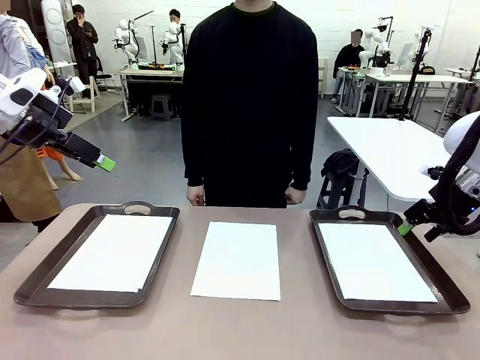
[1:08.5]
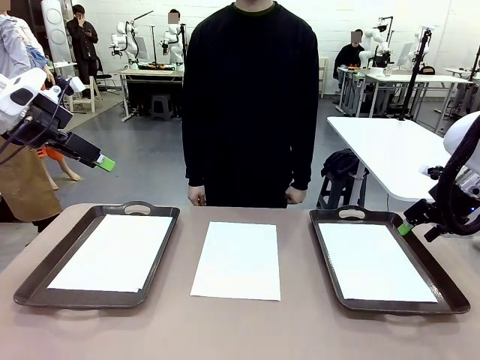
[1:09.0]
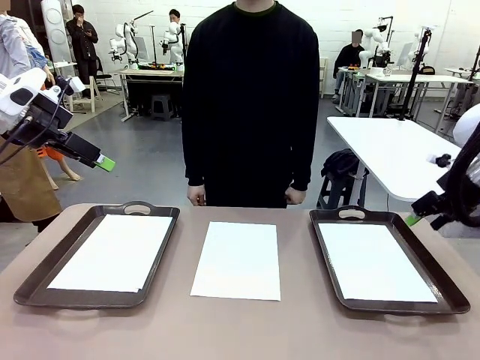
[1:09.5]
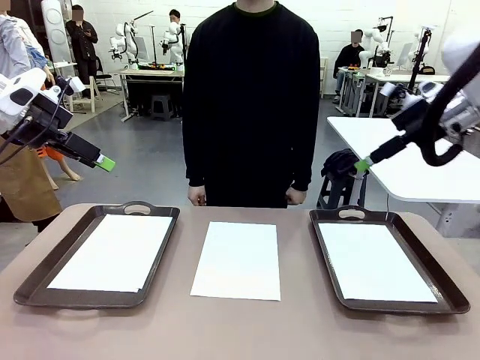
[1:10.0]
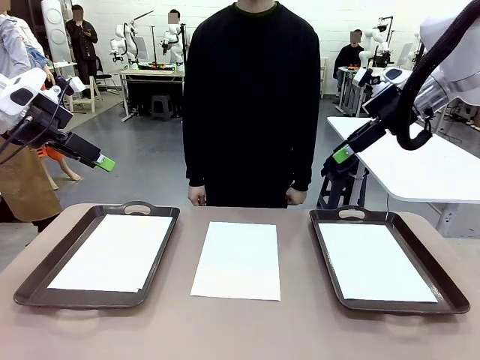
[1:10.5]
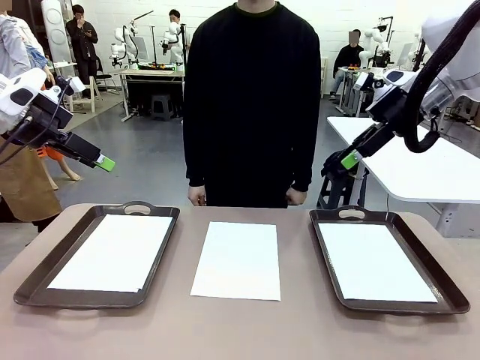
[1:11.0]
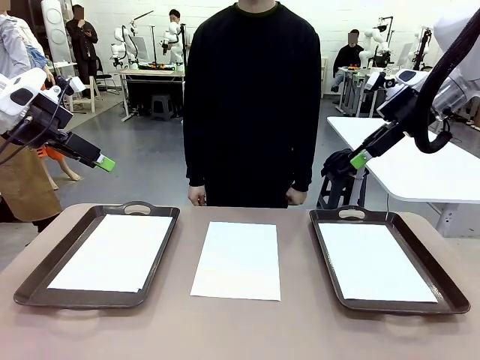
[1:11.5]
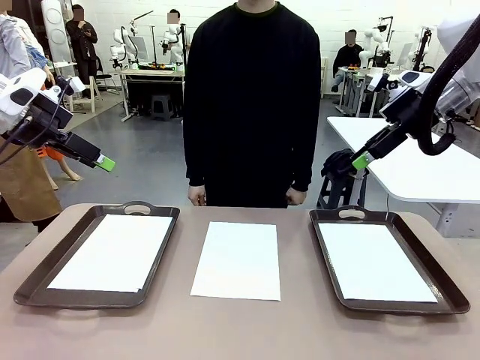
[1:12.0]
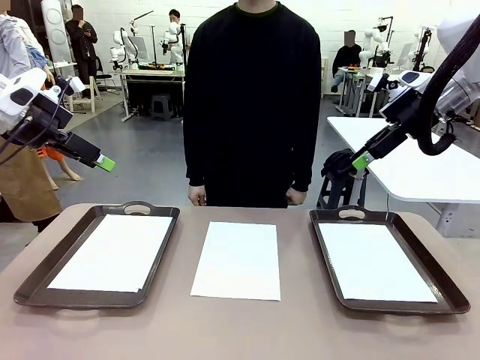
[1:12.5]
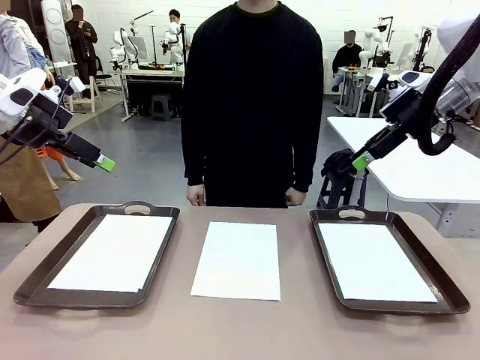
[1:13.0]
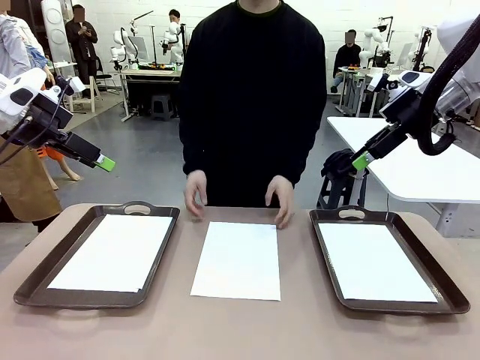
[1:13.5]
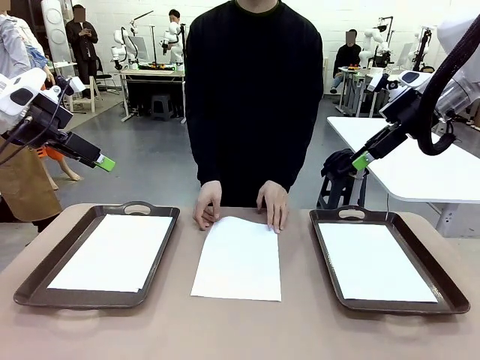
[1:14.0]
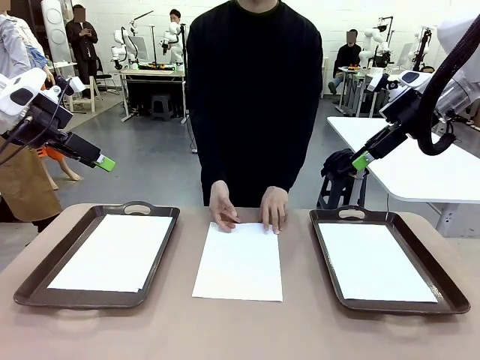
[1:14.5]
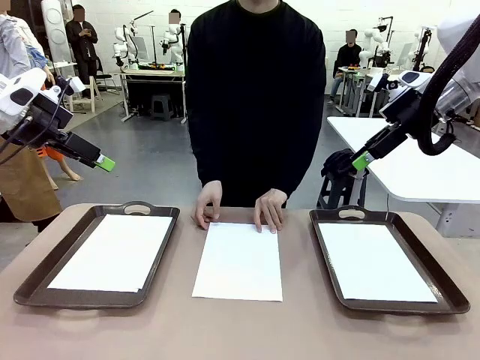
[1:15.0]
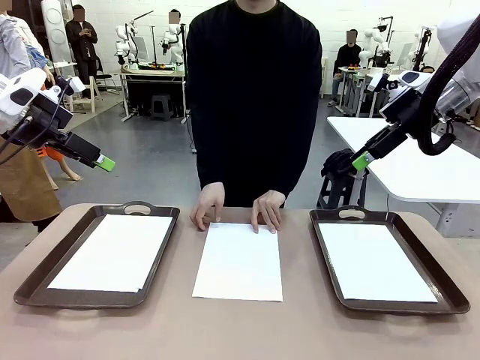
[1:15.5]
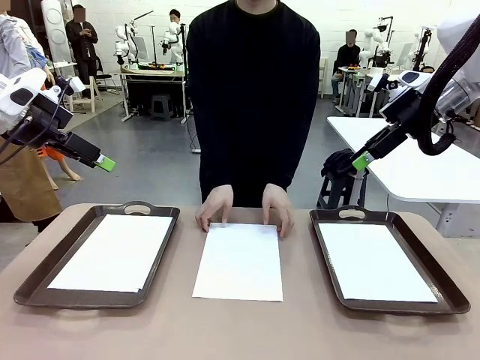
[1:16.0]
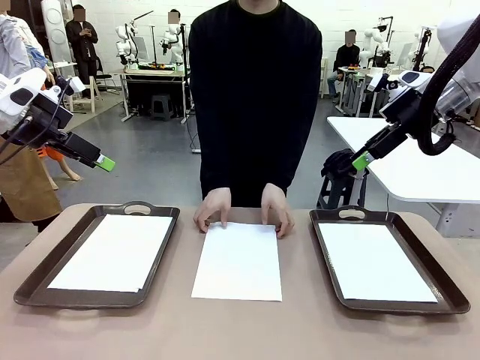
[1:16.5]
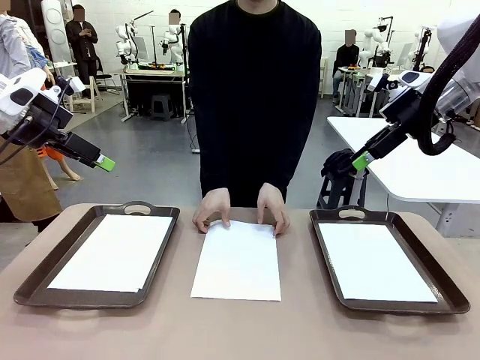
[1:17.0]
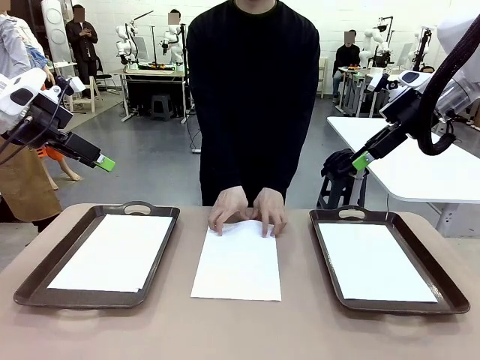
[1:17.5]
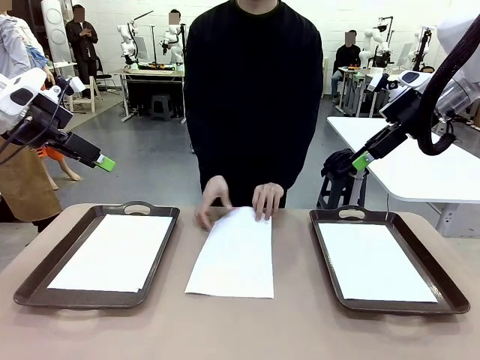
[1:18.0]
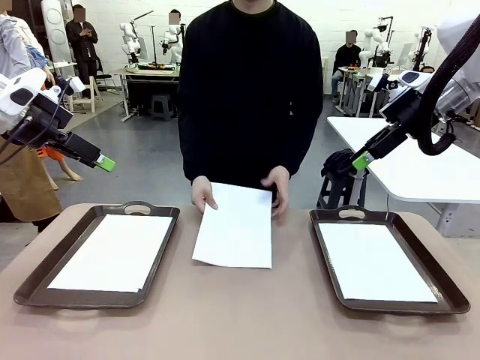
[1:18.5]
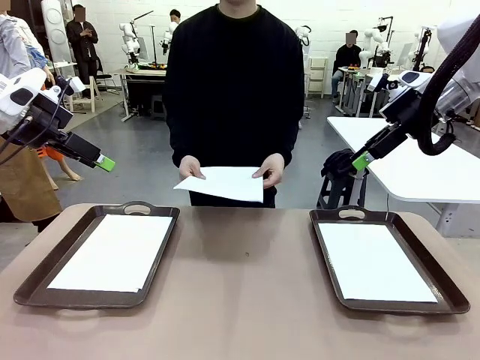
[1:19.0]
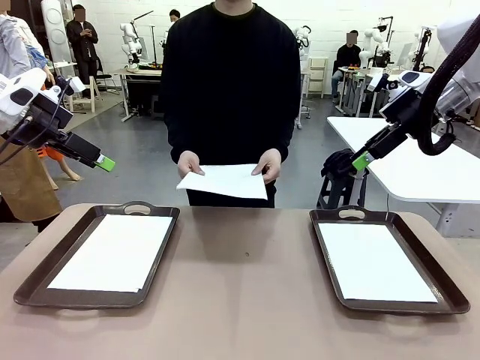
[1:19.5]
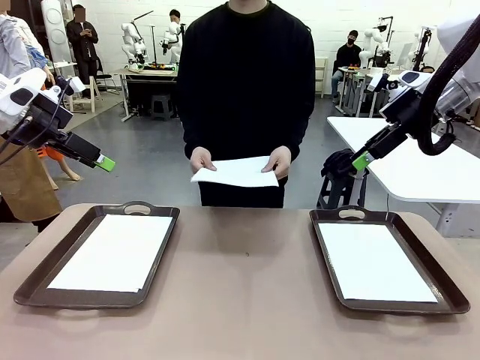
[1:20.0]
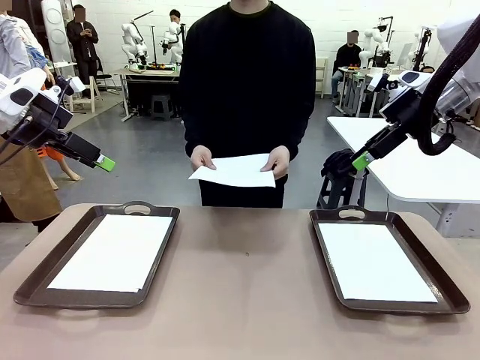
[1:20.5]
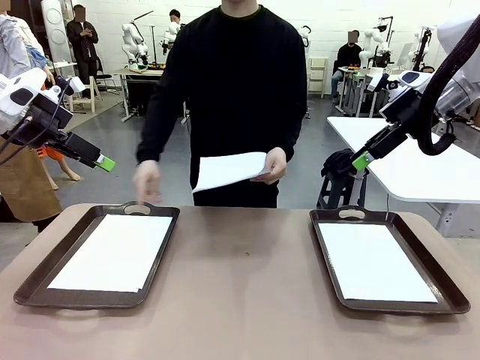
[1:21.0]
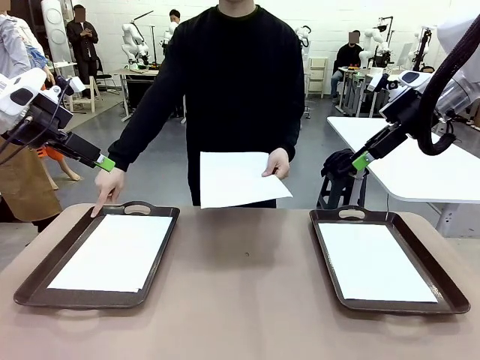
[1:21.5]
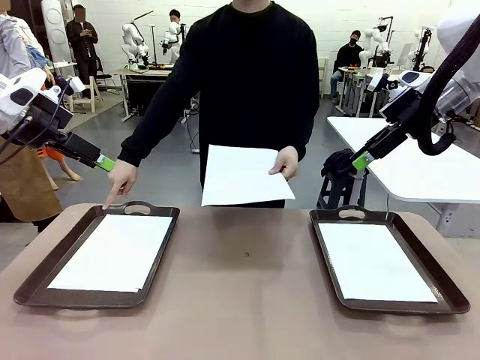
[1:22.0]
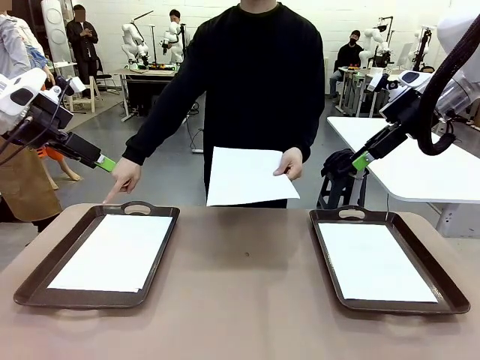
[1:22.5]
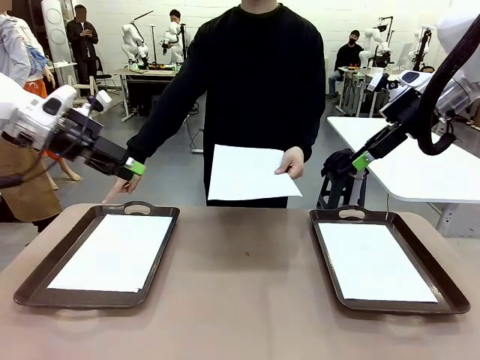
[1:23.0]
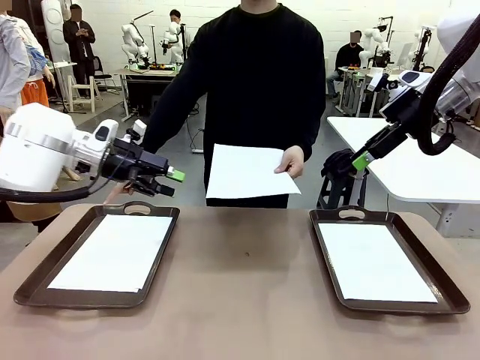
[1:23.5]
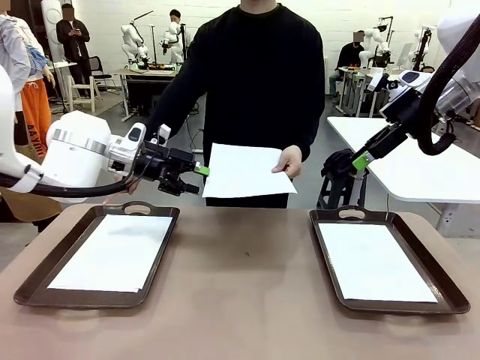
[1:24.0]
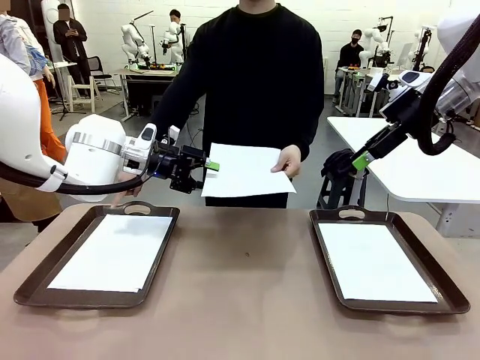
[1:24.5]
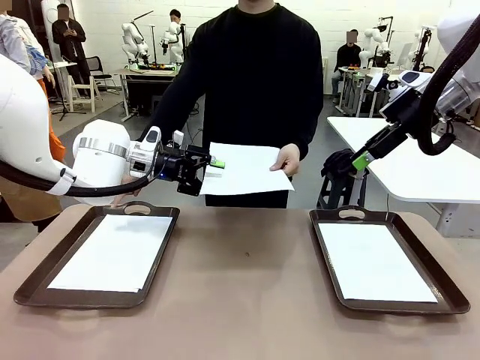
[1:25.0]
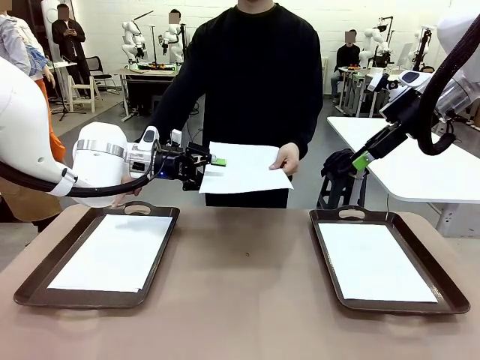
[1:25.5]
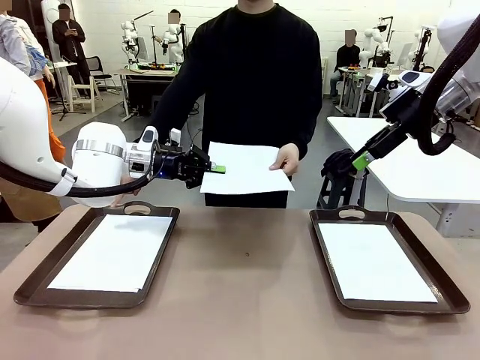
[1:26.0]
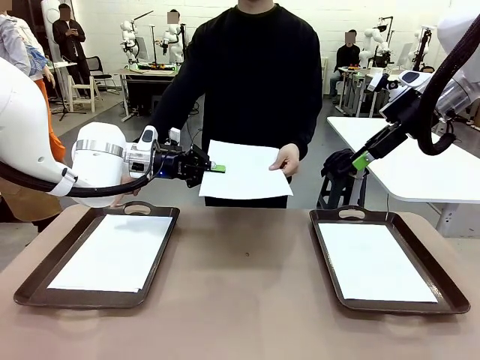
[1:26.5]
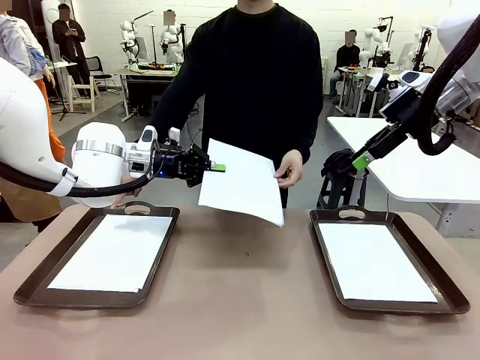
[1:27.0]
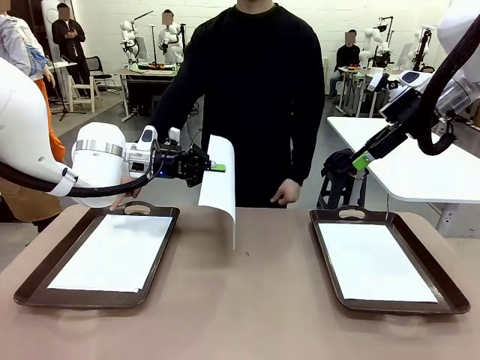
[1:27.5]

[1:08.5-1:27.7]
Task: Sort the A4 documents.
Robot: Receive the A4 Paper.
Person: Point the randomly selected tray with the other hand.

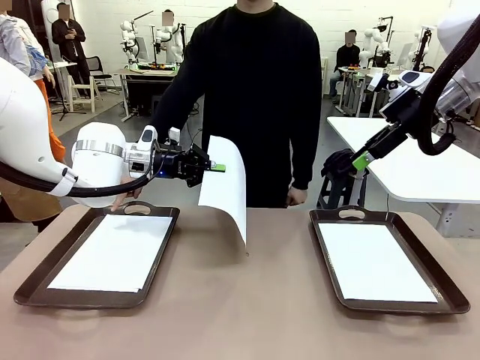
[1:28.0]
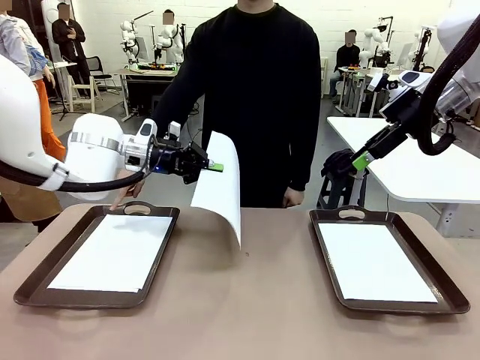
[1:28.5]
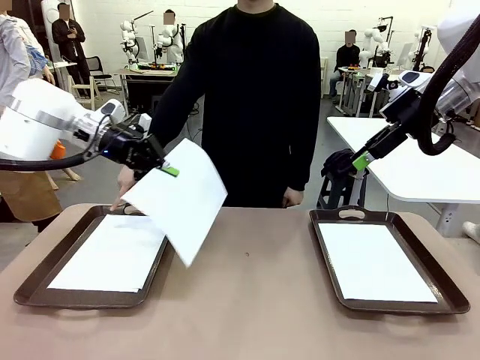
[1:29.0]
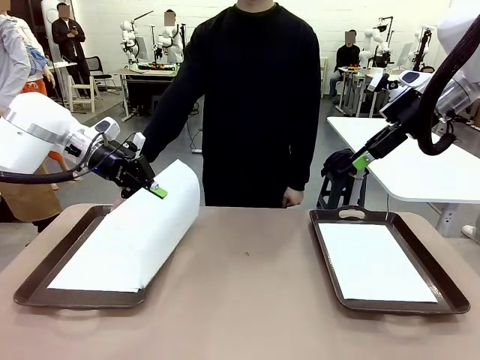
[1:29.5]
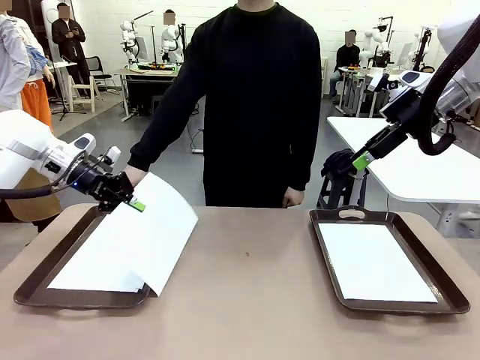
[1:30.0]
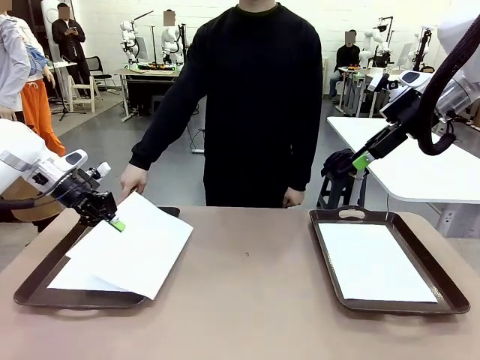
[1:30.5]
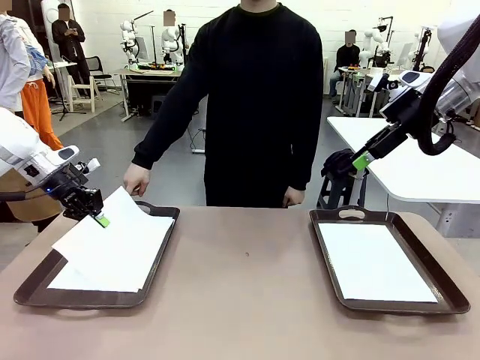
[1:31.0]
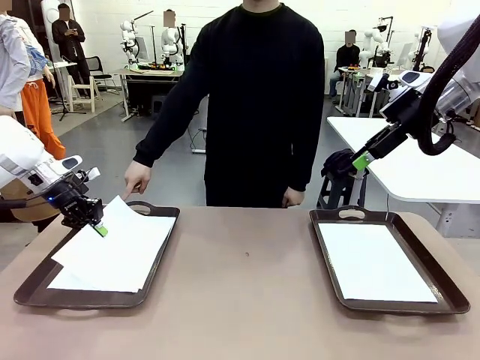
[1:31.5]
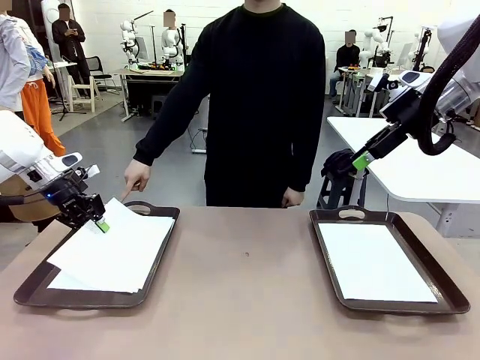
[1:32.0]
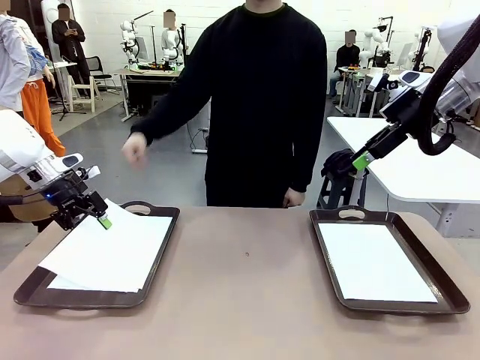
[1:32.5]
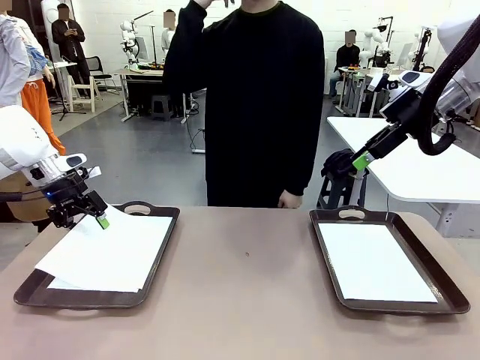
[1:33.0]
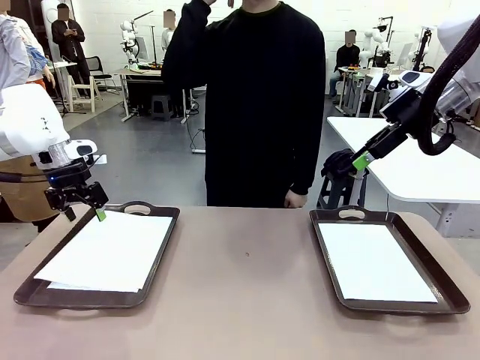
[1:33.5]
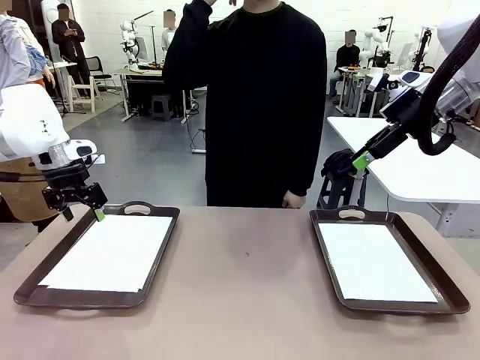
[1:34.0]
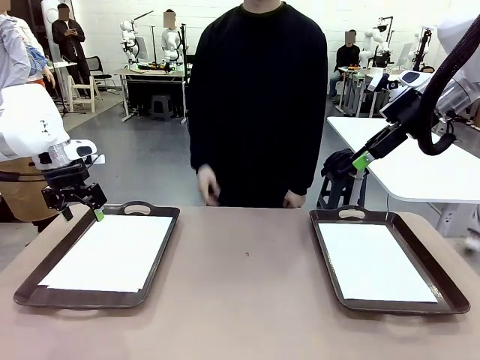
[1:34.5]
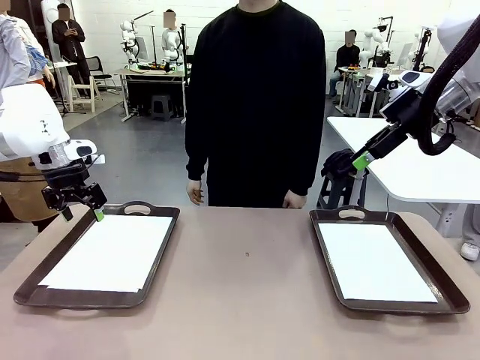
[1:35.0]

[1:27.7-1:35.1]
Robot: Place the A4 Paper in the designated Handle tray.
